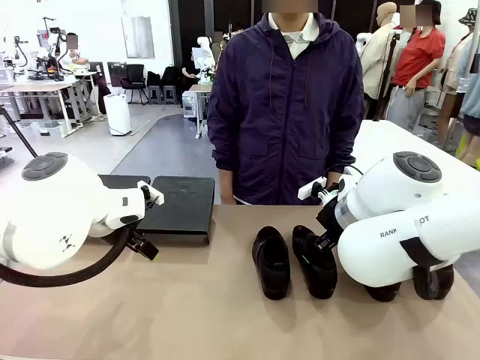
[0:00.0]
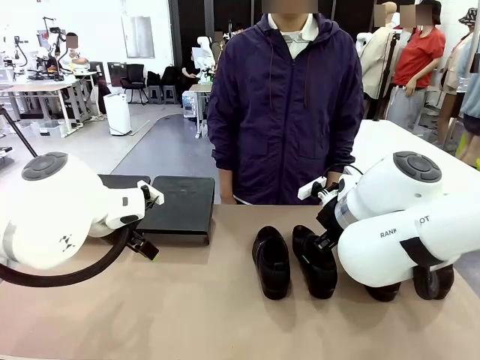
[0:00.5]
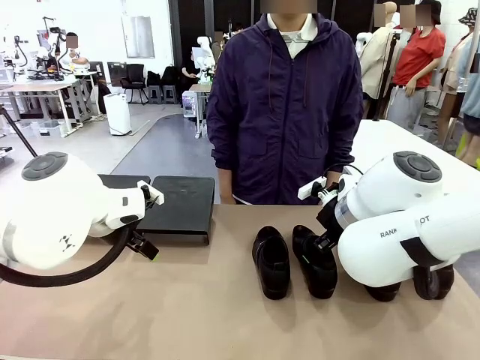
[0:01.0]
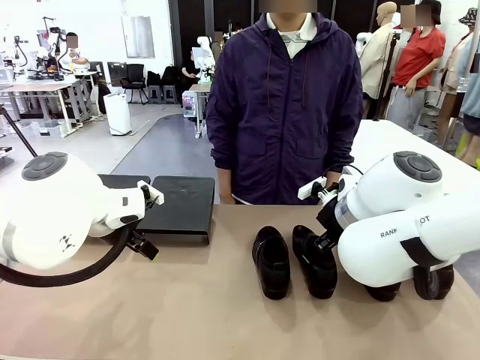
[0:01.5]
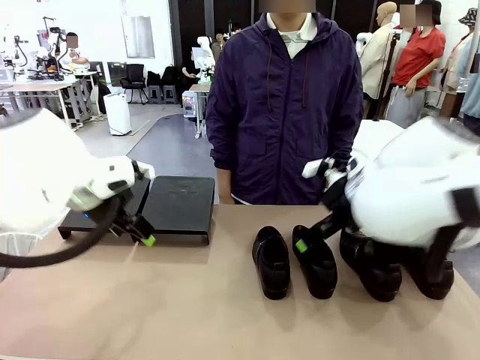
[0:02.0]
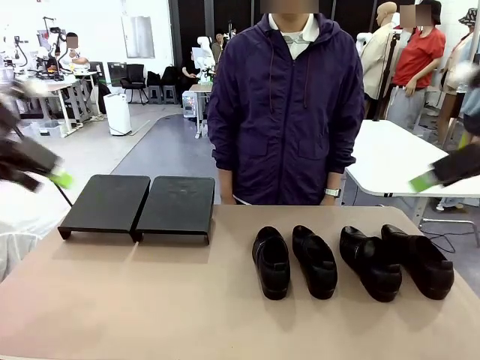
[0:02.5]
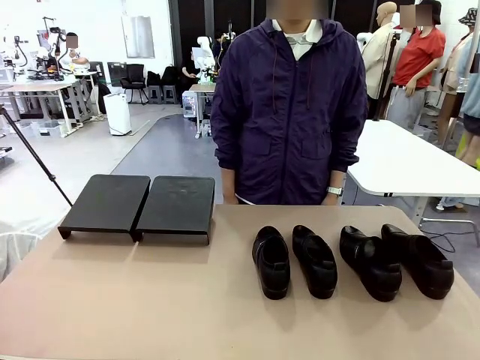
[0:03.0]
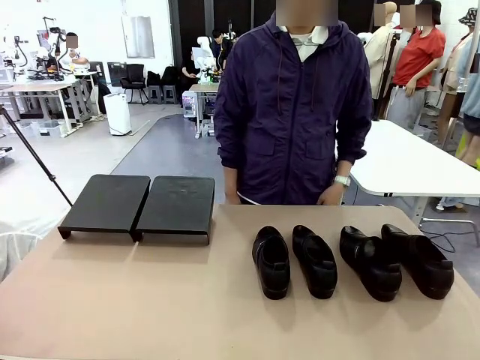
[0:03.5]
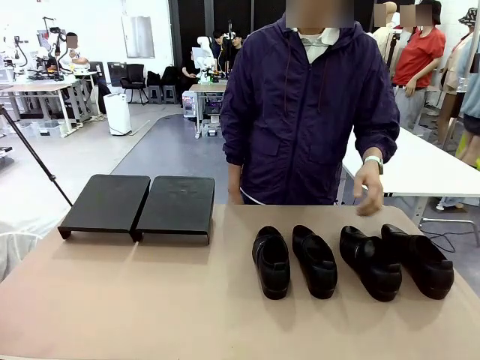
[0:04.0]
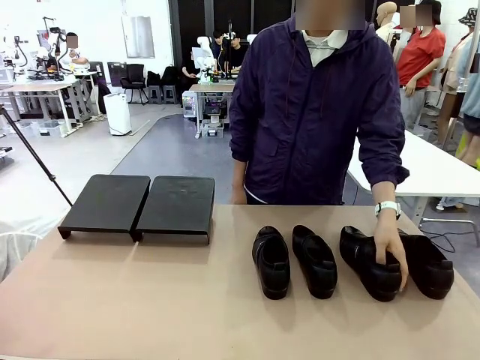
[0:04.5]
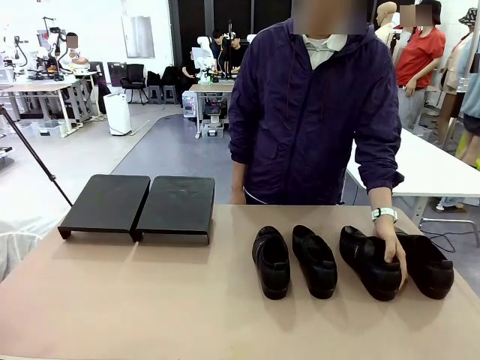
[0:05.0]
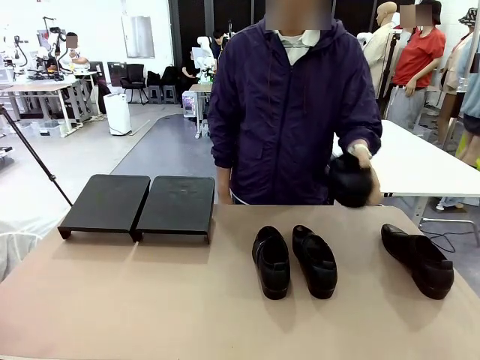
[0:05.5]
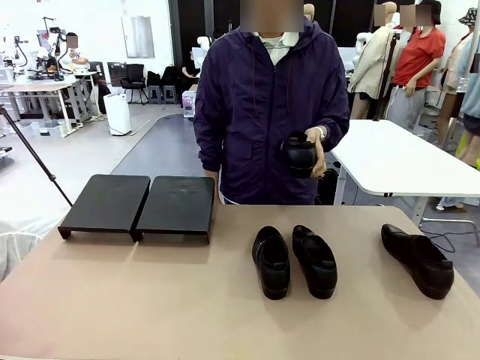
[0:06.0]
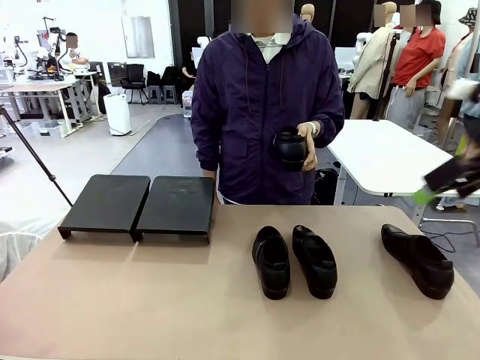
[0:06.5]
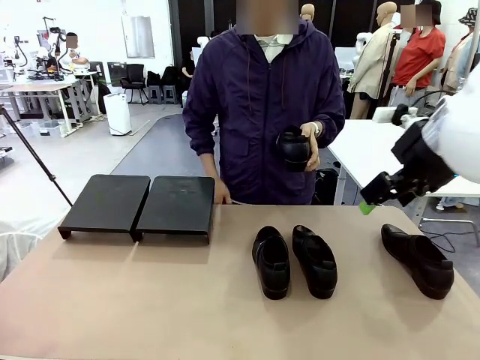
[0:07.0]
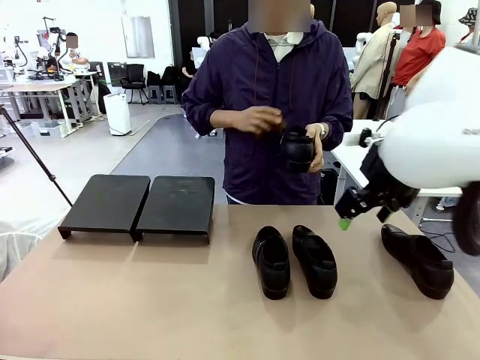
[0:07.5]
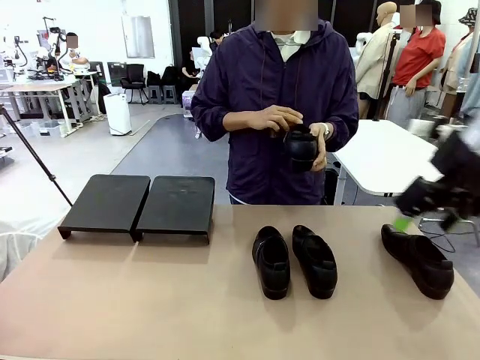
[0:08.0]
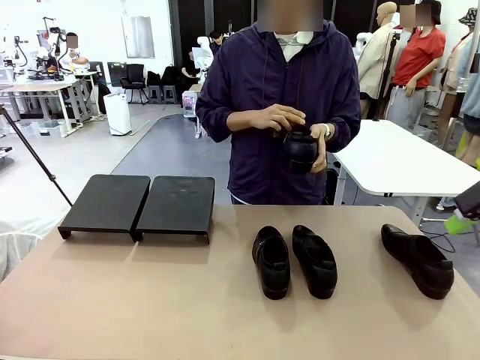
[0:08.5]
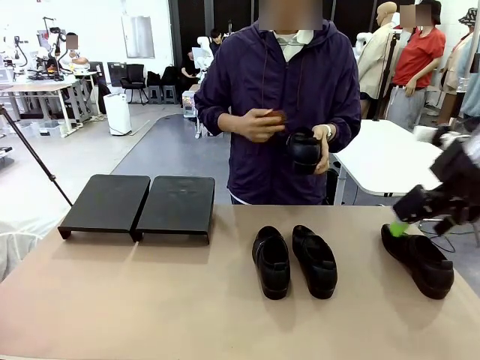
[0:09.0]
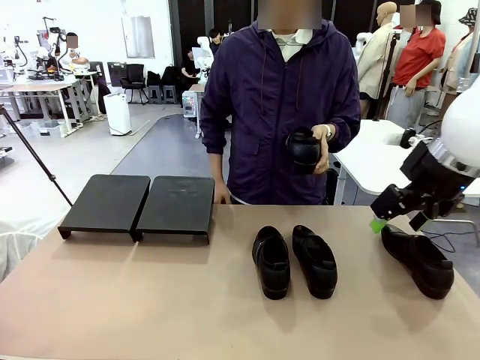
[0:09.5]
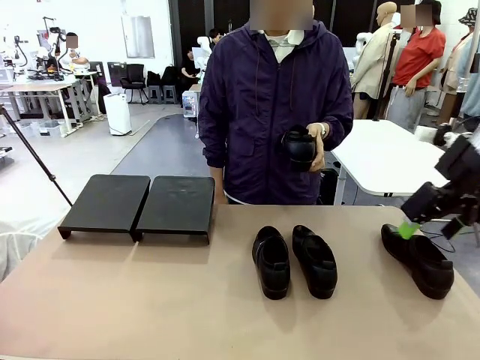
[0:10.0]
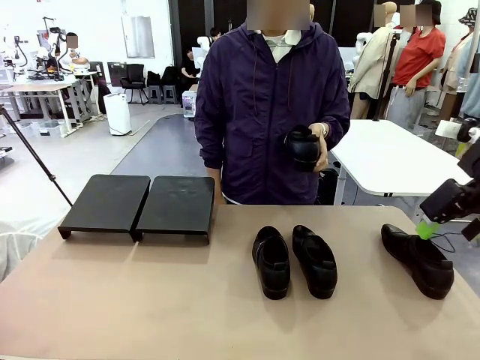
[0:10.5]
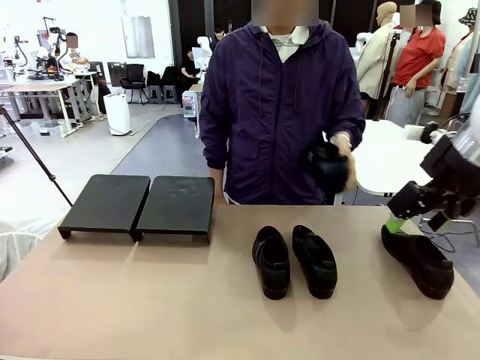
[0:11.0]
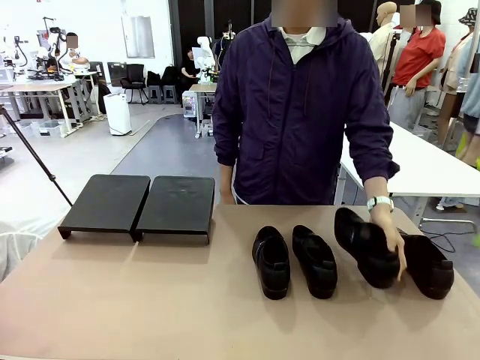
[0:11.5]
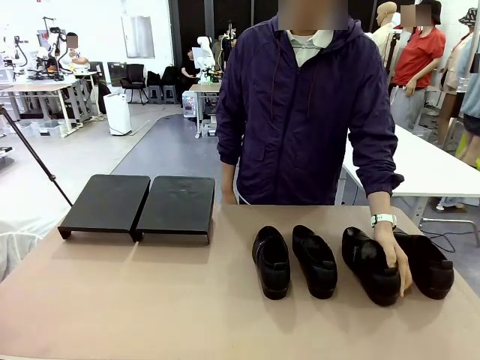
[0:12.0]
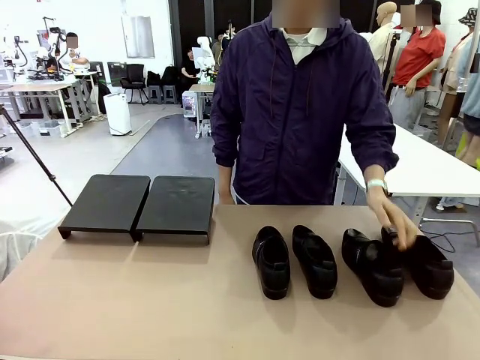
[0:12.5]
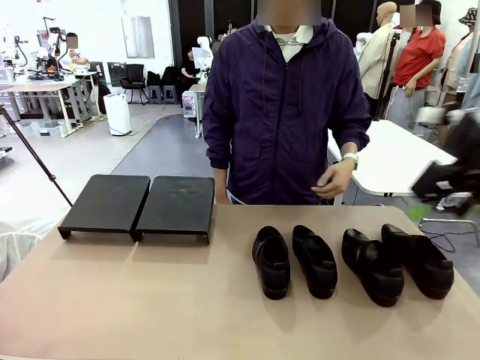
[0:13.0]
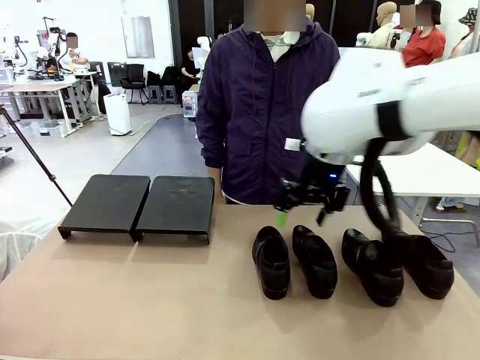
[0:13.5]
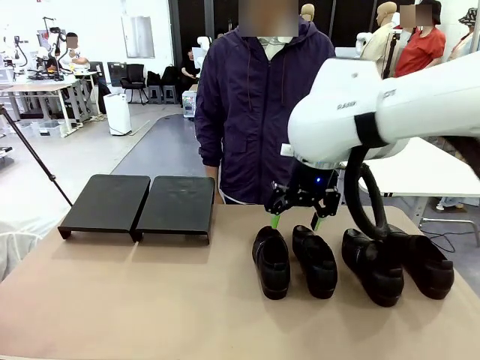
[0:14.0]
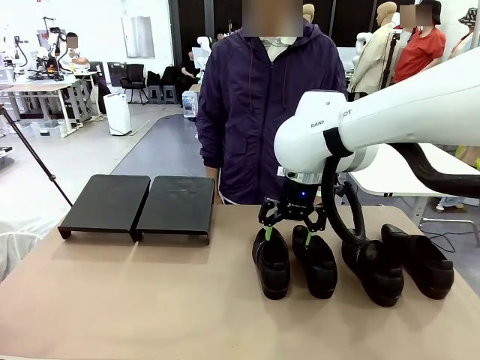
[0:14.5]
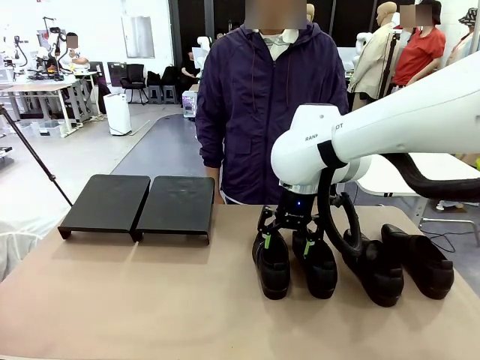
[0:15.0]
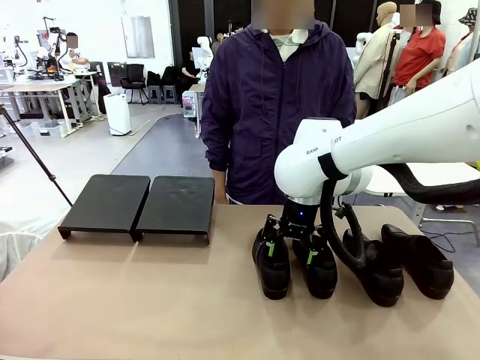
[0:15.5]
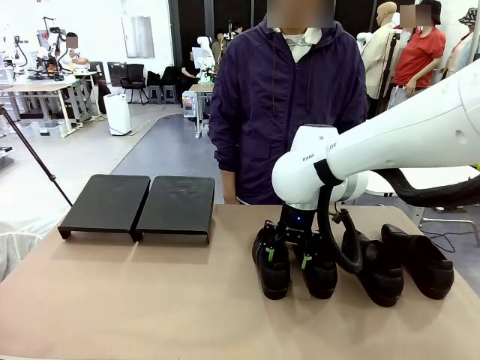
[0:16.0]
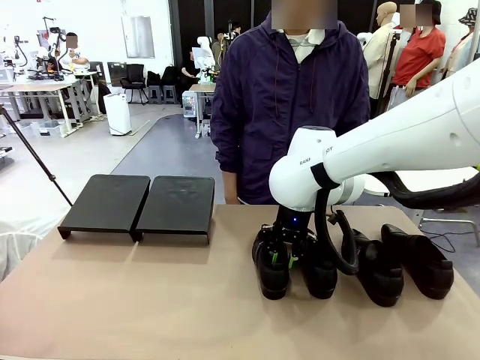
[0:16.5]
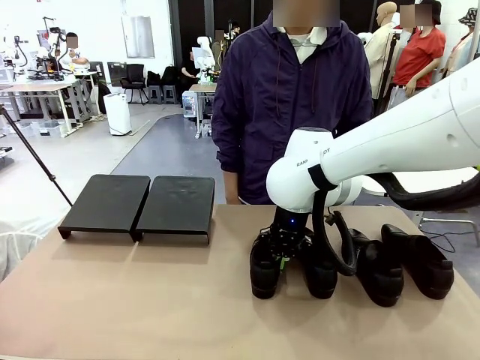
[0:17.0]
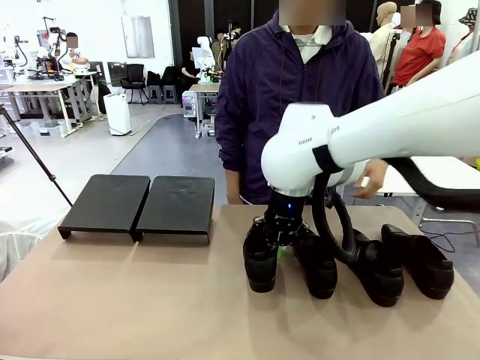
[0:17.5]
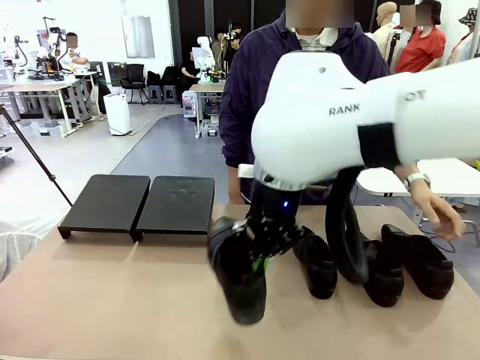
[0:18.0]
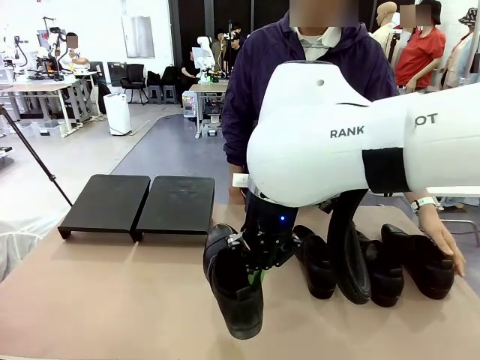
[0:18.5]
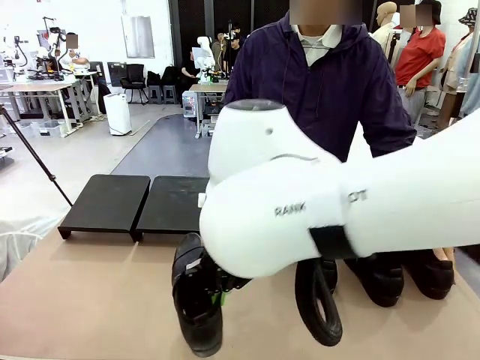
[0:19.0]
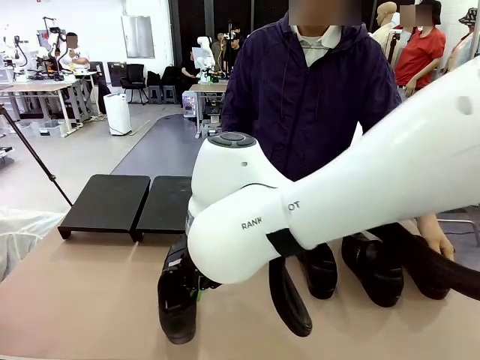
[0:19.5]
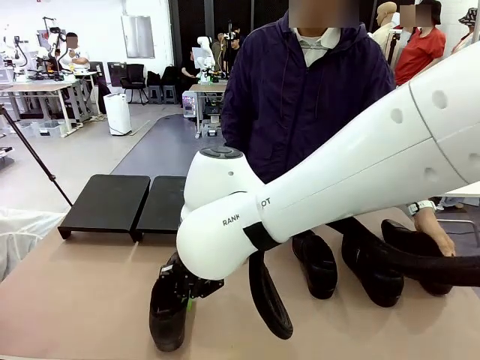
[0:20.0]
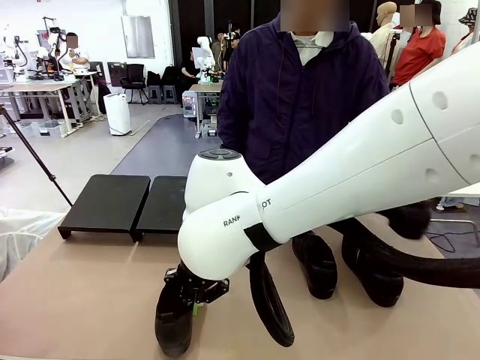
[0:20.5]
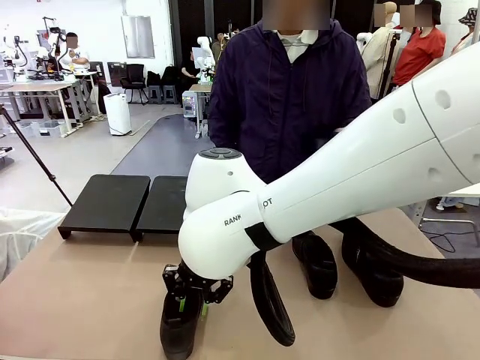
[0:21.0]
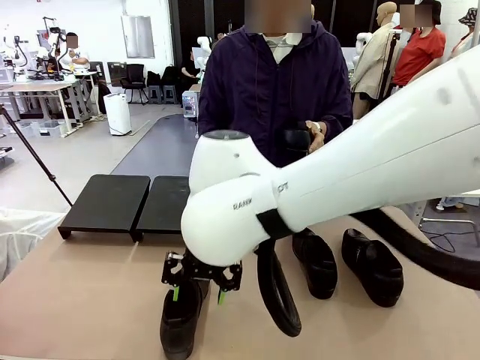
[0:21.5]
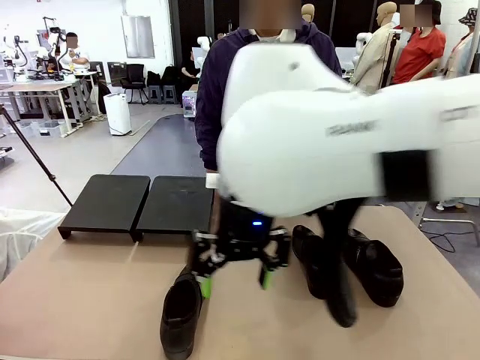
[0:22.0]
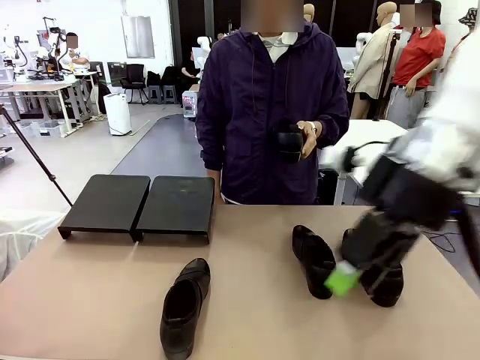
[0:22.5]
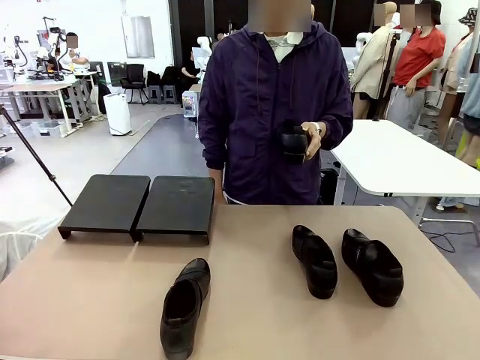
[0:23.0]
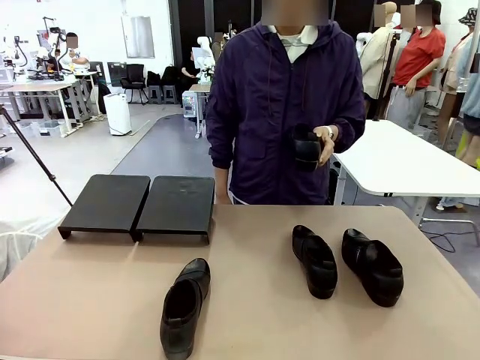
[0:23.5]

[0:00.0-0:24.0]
Task: Organize the shoes by placing them on the stand.
Robot: Pick up one Shoe and place it in the middle of the table.
Person: Pick one Shoe on Robot's table. Clean the Shoe with the Shoe Brush. Place the Shoe on left side of the Robot's table. Pick one Shoe on Robot's table.
